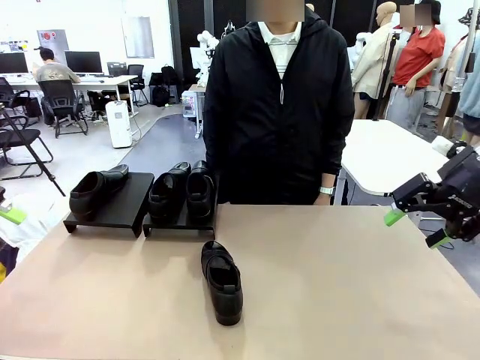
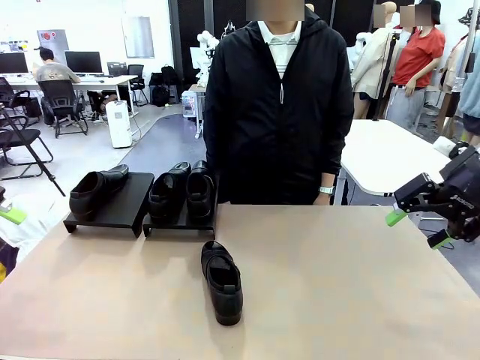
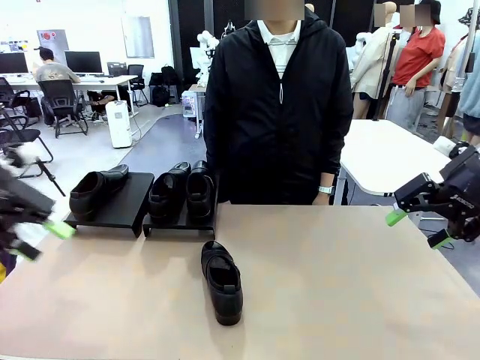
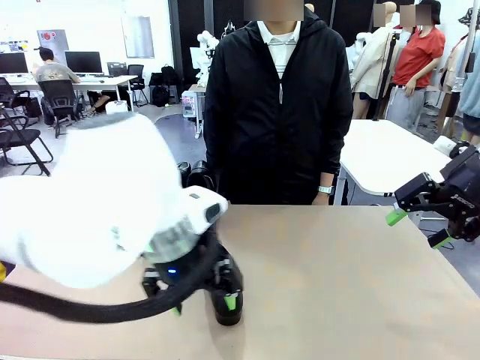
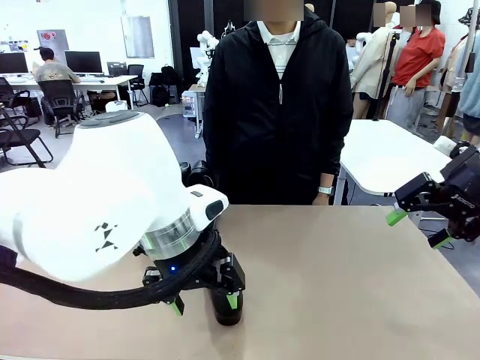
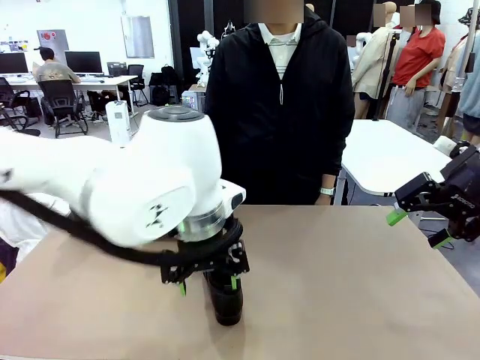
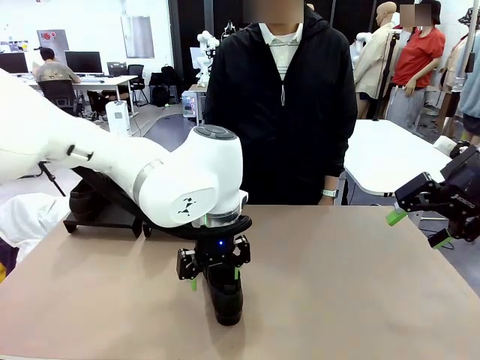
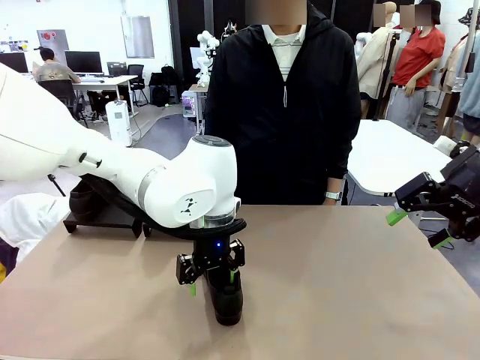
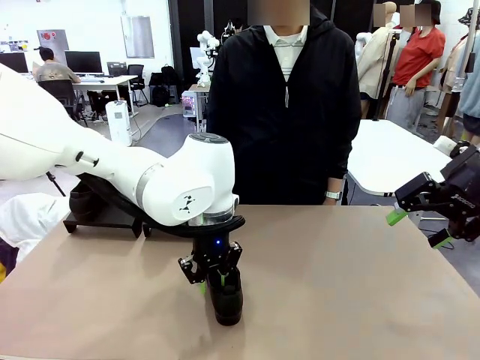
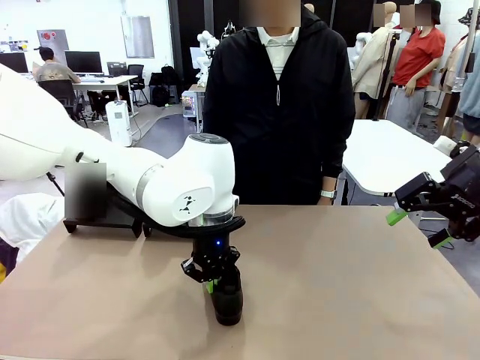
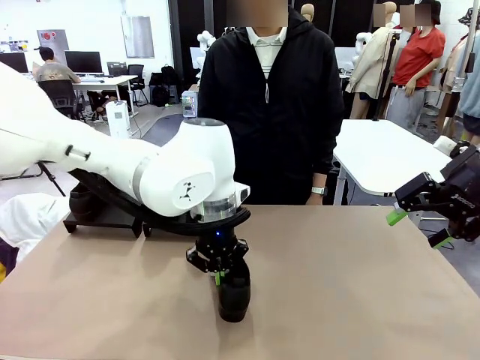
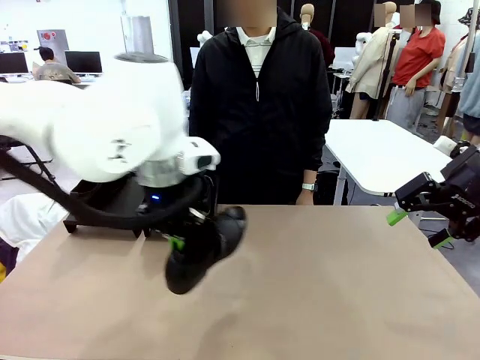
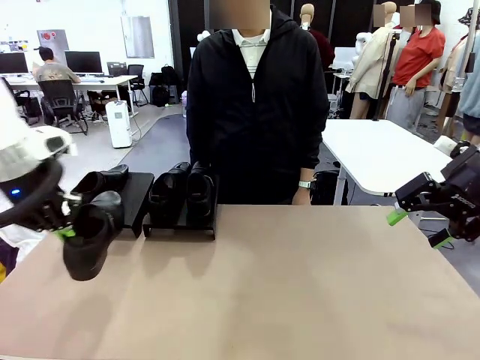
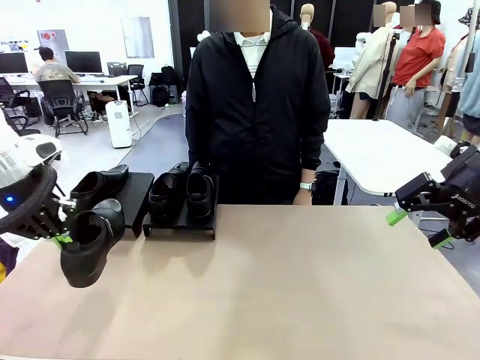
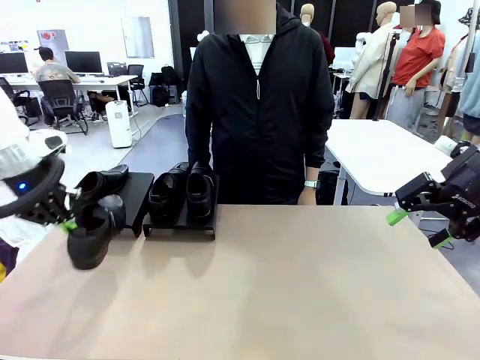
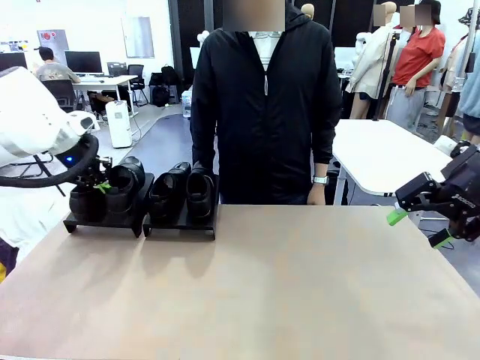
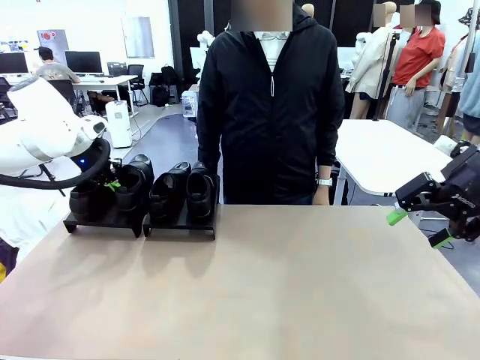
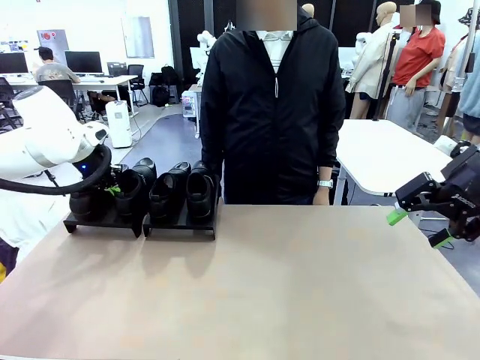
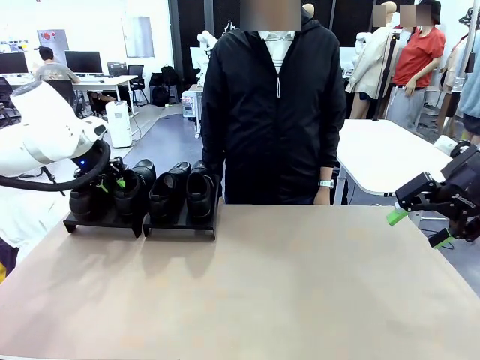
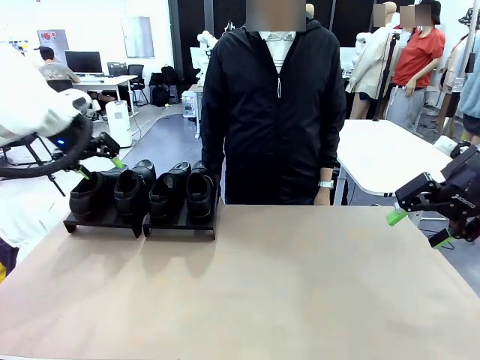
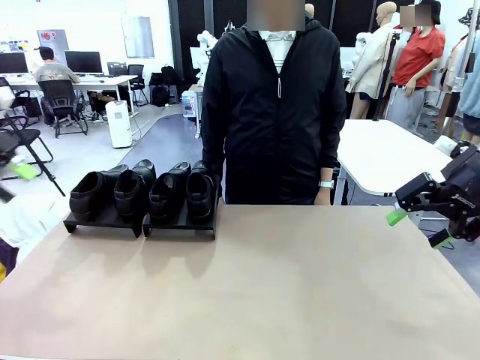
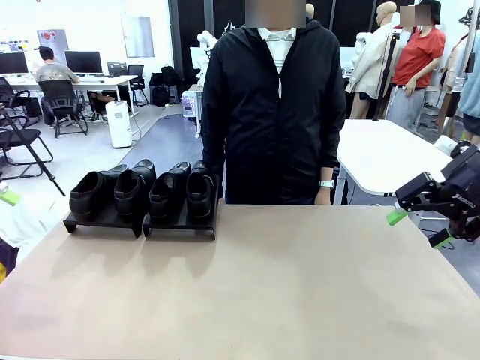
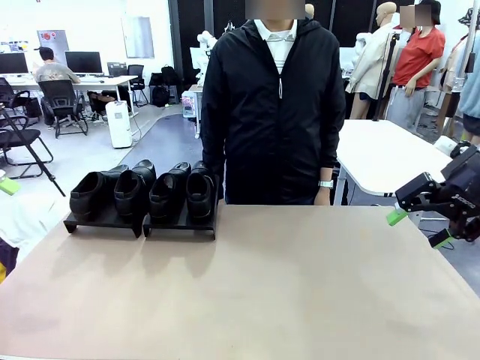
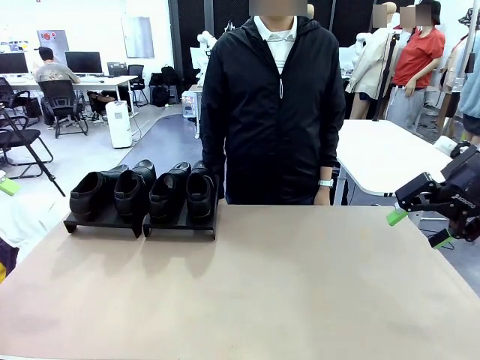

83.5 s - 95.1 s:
Task: Organize the shoes by placing them on the stand.
Robot: Place the Shoe from the middle of the table onto the Shoes Stand.

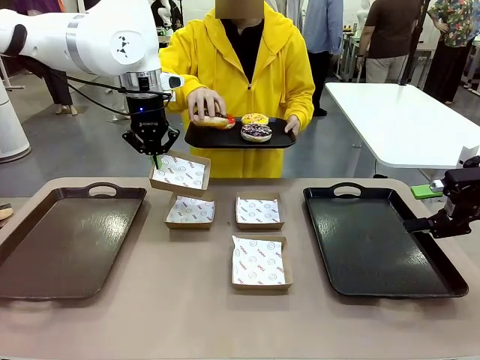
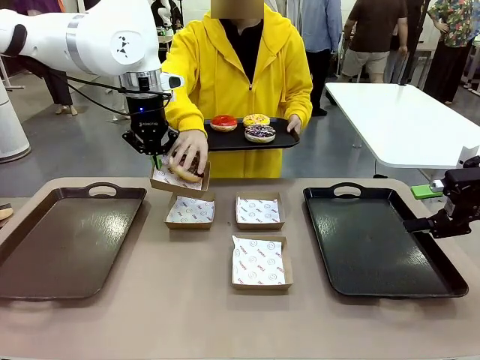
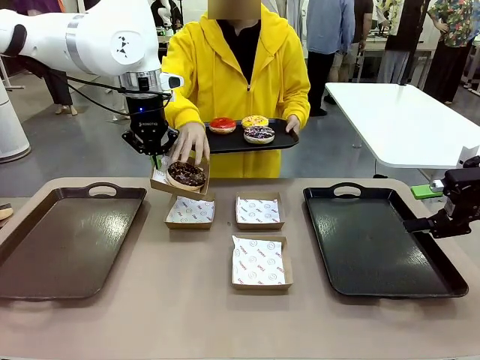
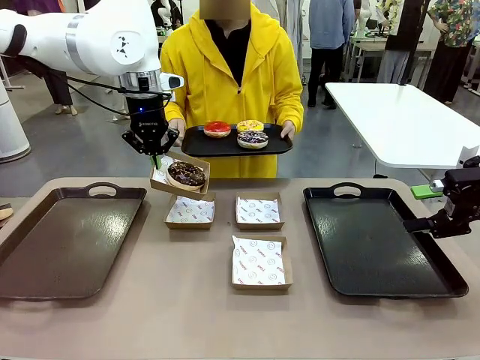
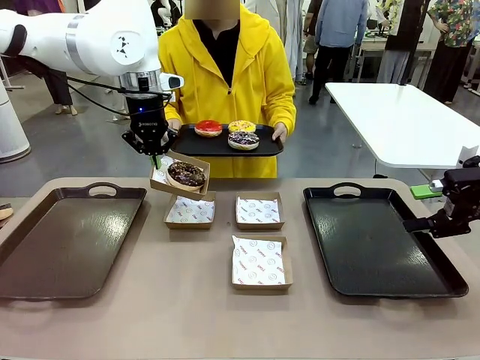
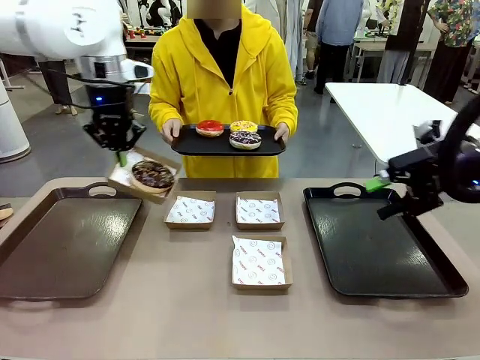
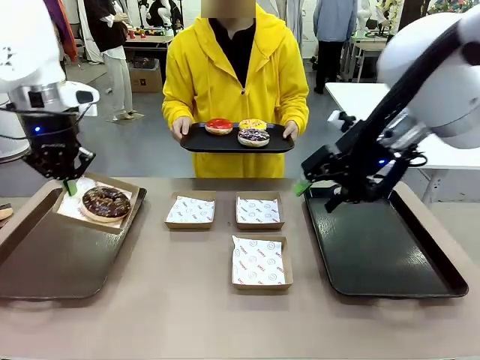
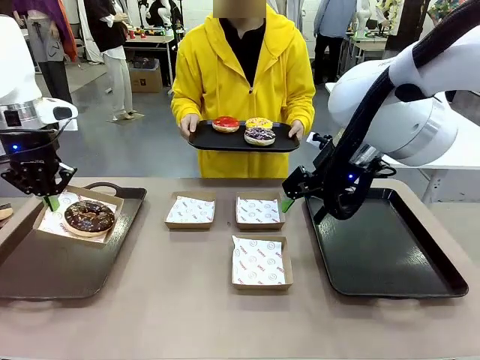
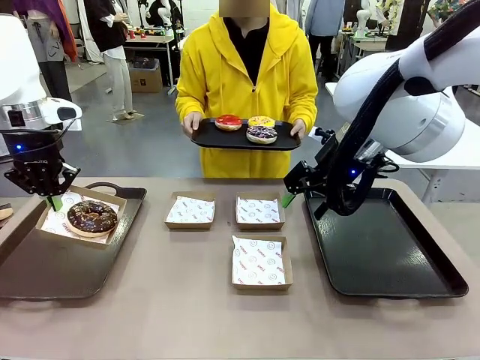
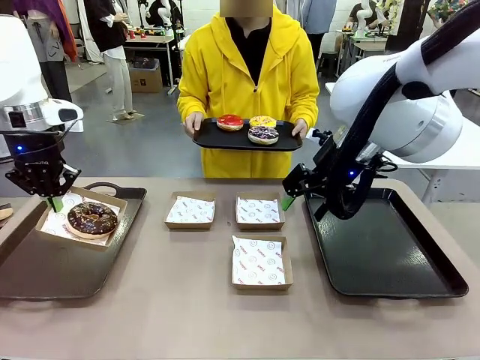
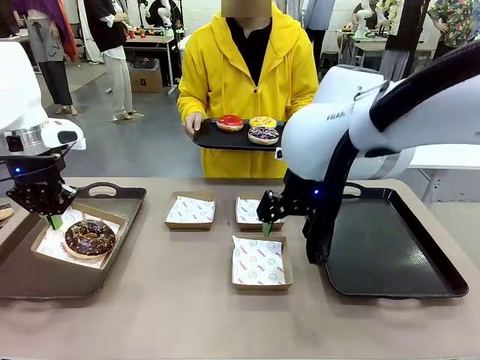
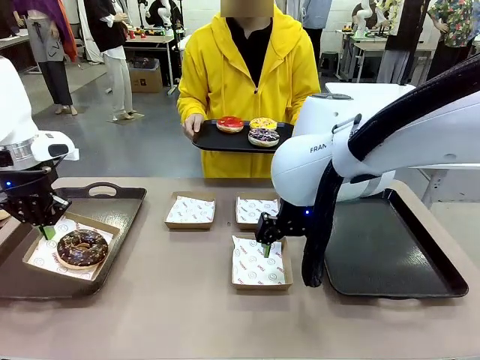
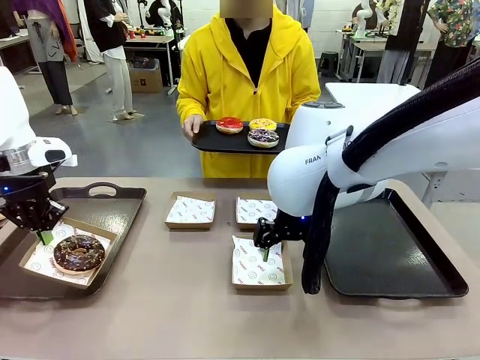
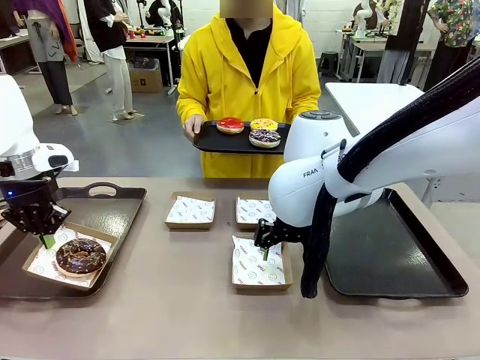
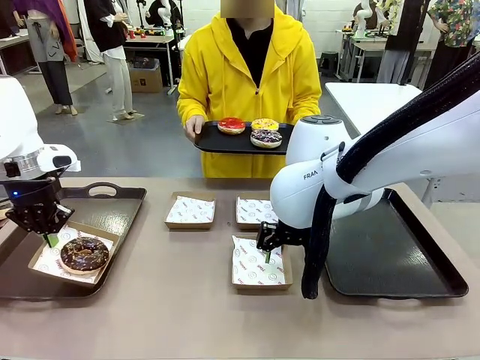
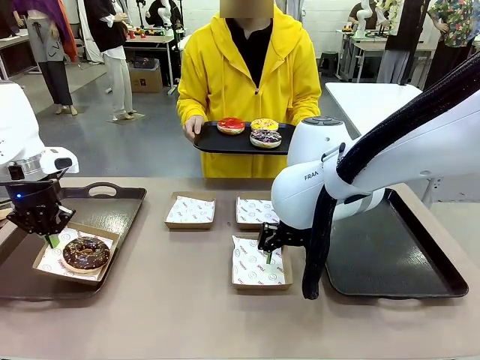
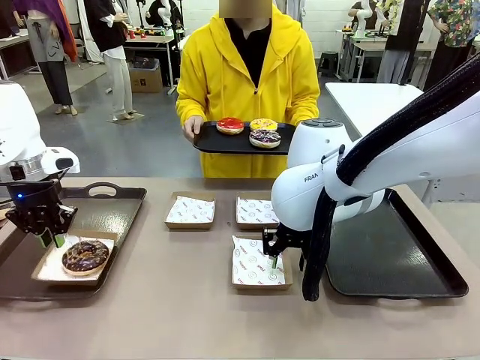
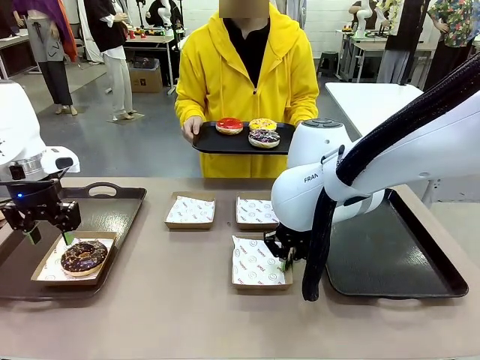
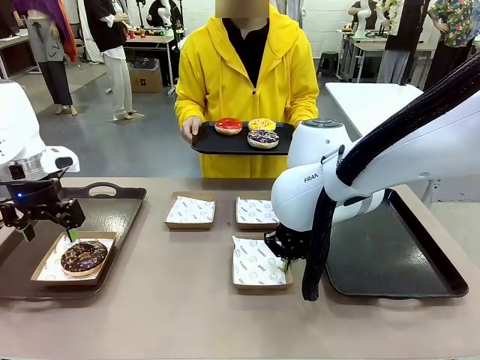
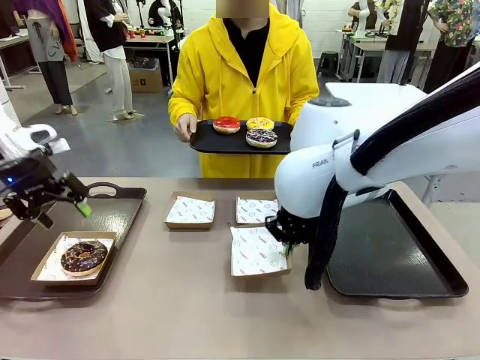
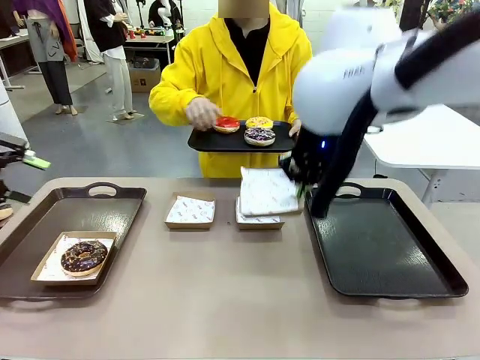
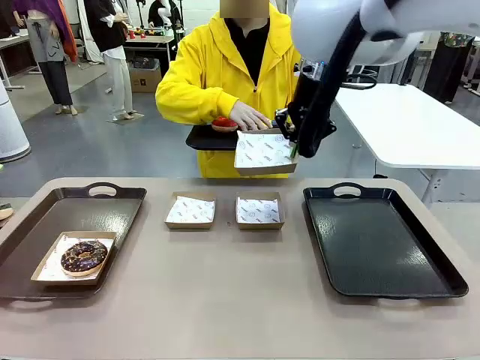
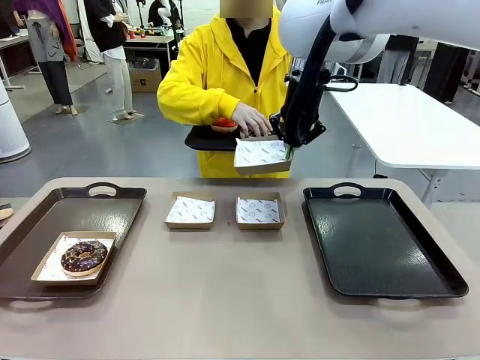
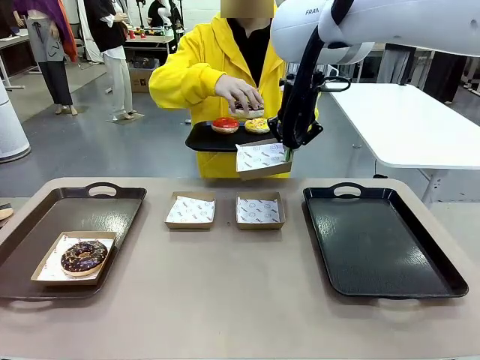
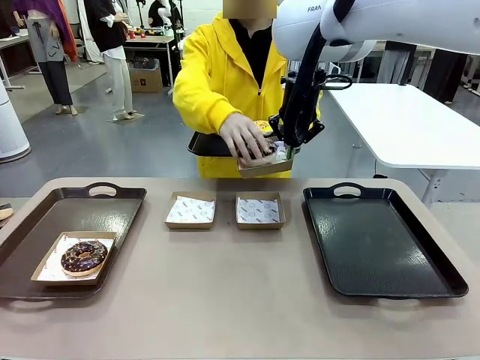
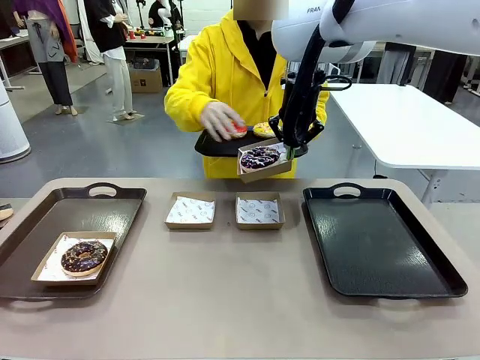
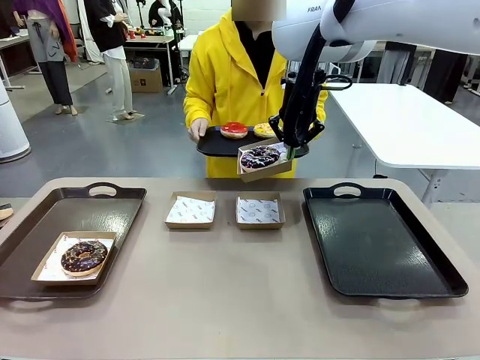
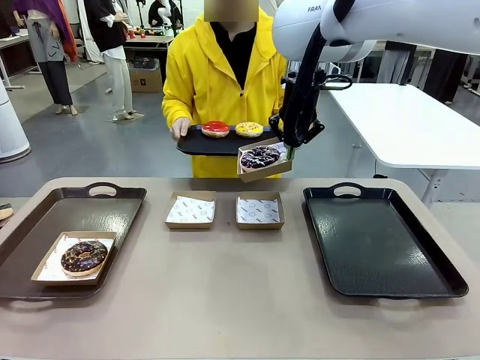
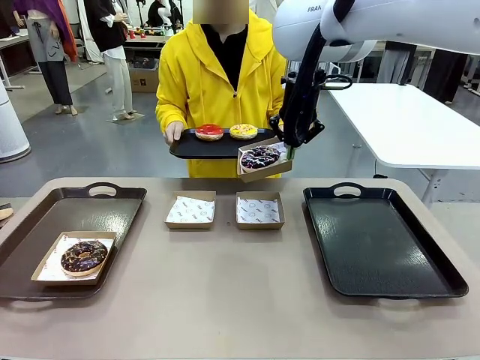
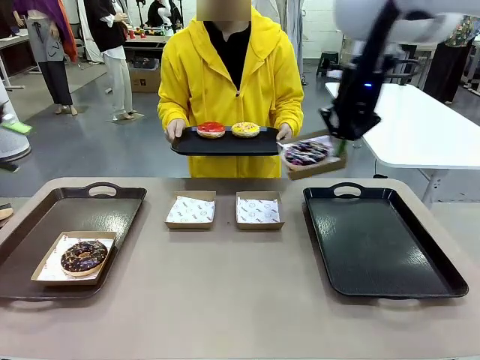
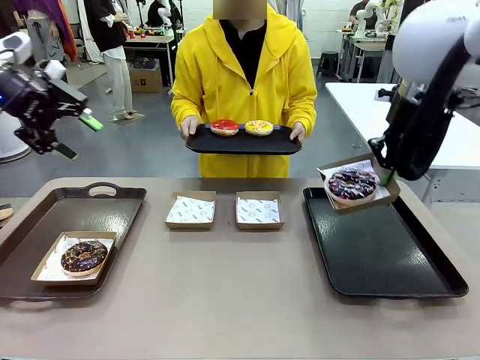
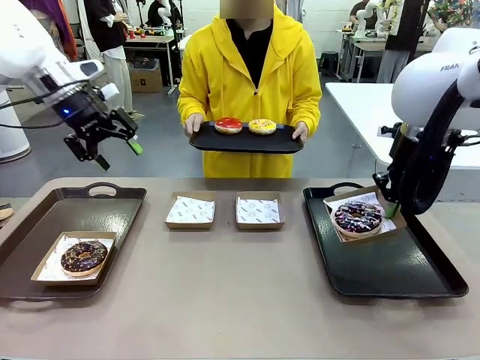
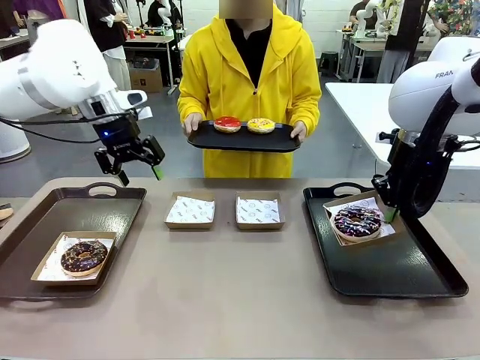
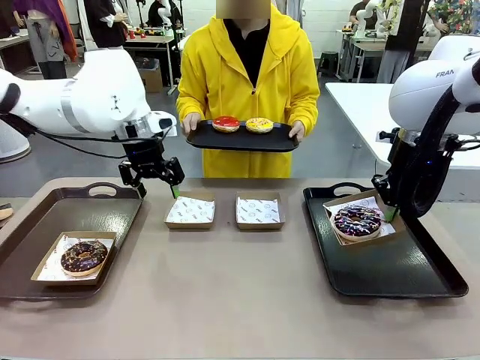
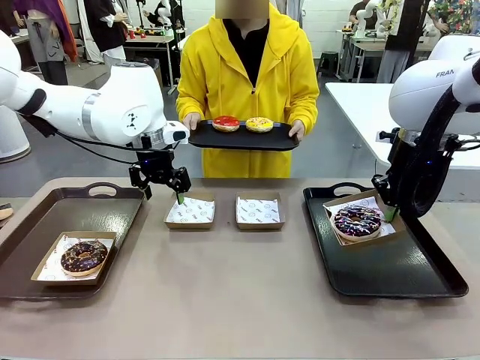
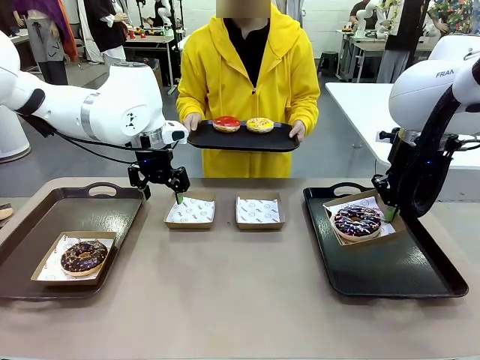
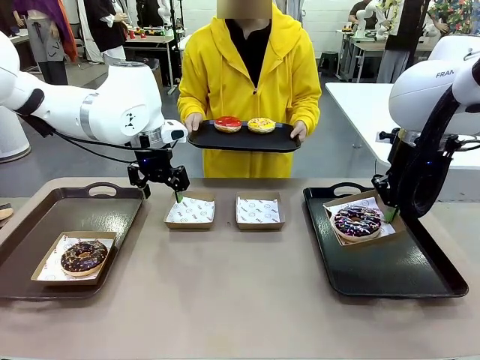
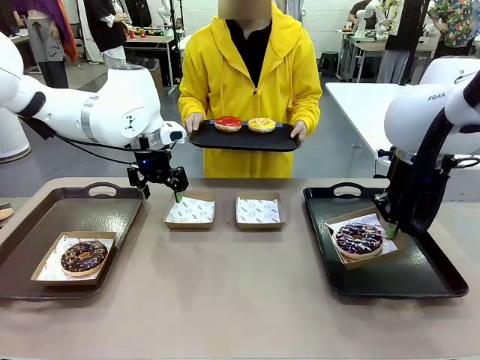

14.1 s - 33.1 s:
Task: Individually package the donuts and arrange them on the tray.
Robot: Place the picked Paper togo box on the Handle tray while simultaneously picking up another Paper togo box from the table with the other hand.
